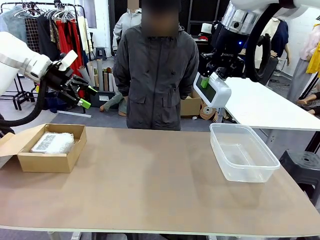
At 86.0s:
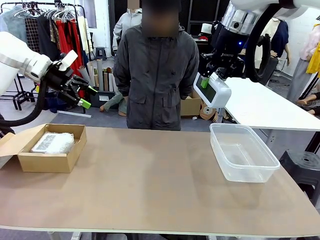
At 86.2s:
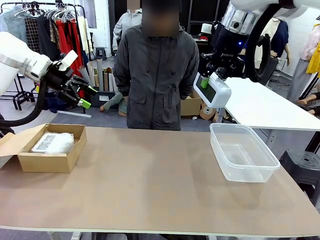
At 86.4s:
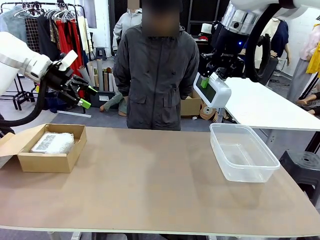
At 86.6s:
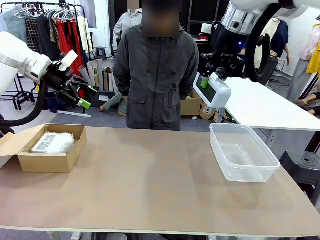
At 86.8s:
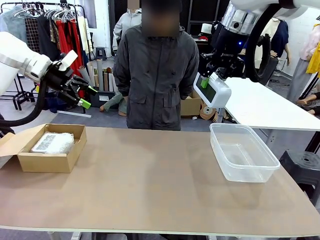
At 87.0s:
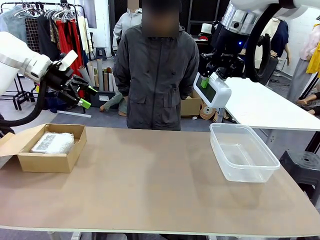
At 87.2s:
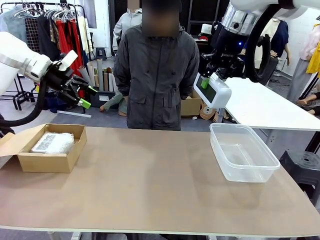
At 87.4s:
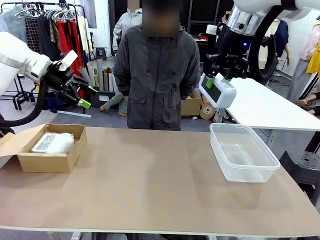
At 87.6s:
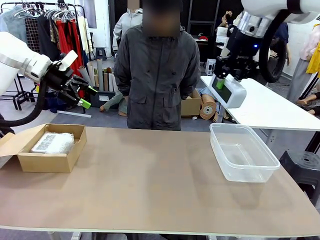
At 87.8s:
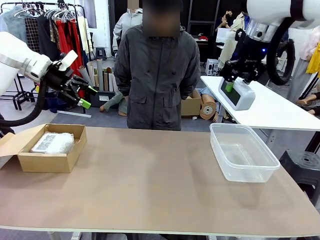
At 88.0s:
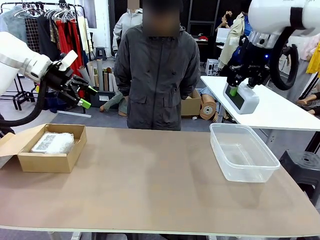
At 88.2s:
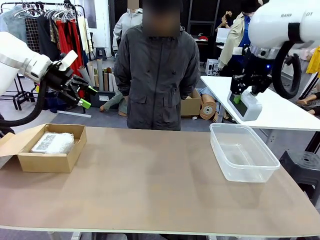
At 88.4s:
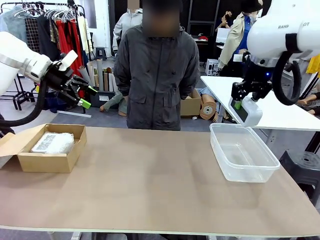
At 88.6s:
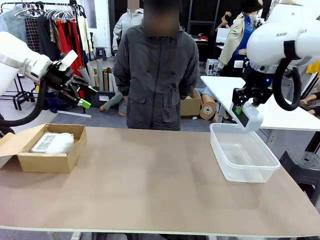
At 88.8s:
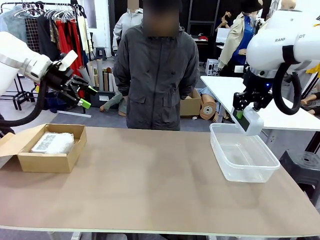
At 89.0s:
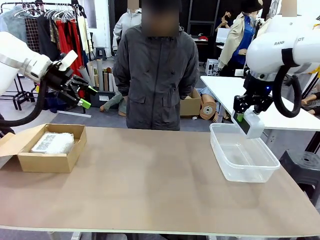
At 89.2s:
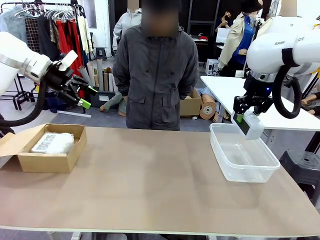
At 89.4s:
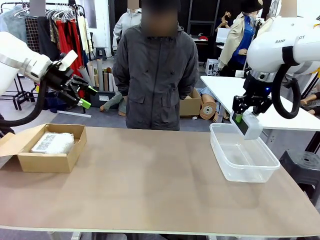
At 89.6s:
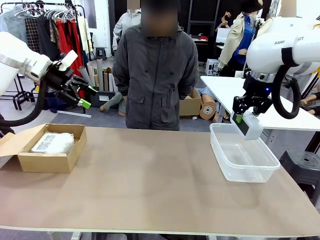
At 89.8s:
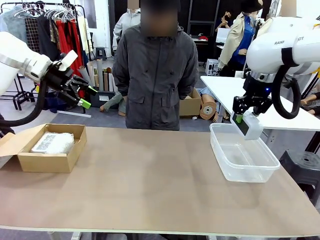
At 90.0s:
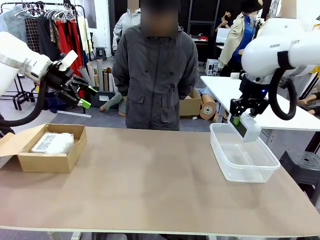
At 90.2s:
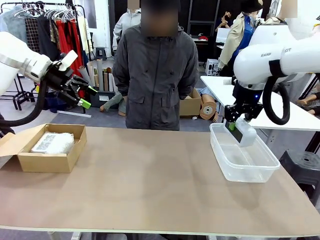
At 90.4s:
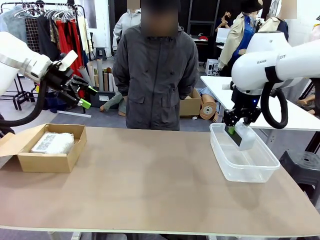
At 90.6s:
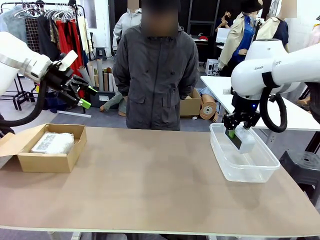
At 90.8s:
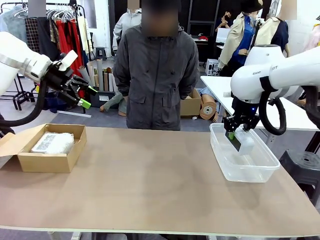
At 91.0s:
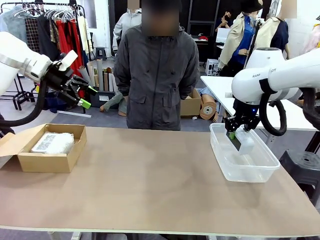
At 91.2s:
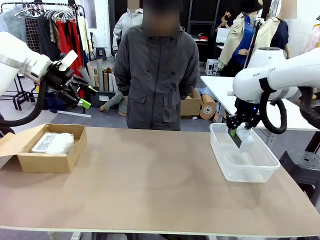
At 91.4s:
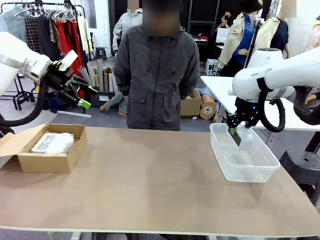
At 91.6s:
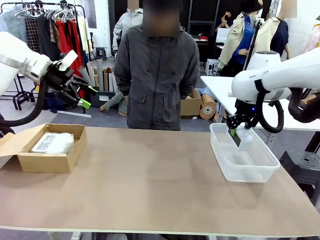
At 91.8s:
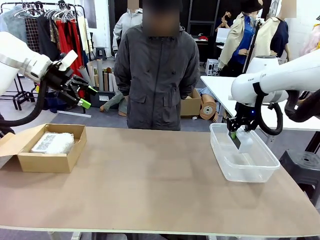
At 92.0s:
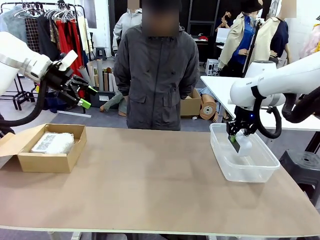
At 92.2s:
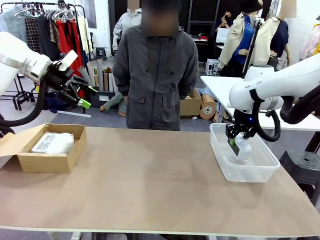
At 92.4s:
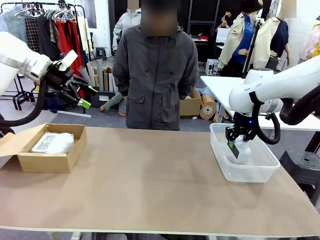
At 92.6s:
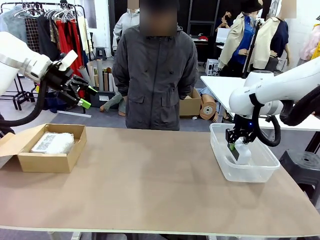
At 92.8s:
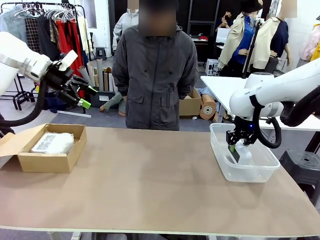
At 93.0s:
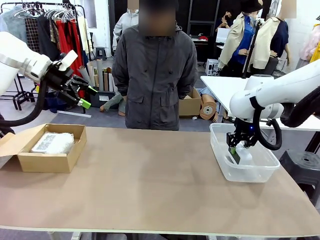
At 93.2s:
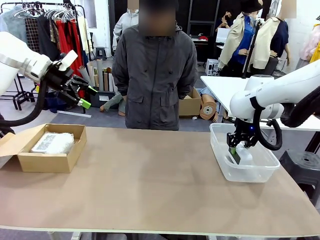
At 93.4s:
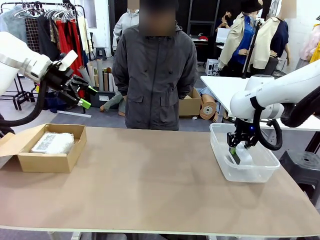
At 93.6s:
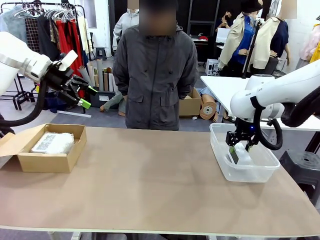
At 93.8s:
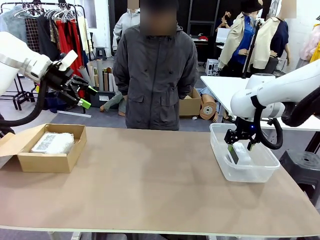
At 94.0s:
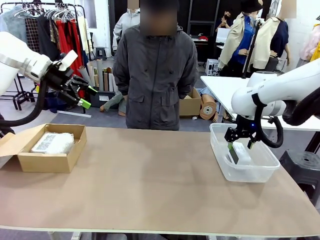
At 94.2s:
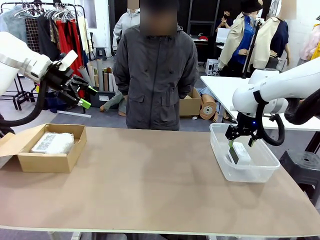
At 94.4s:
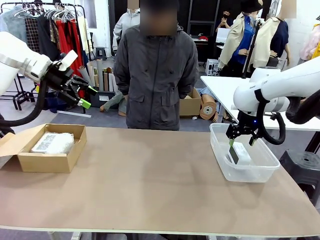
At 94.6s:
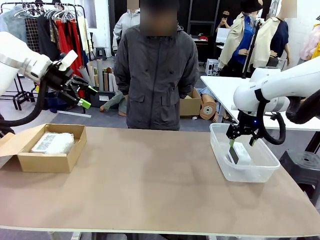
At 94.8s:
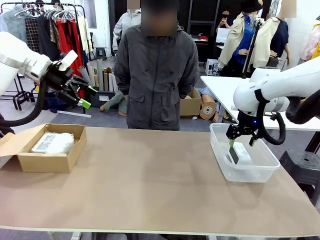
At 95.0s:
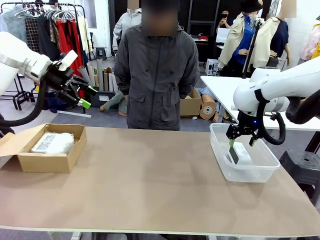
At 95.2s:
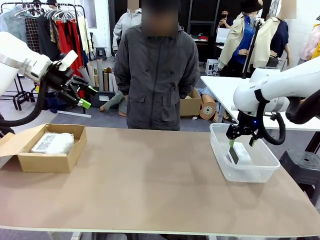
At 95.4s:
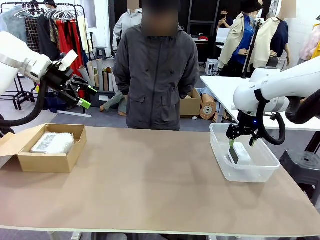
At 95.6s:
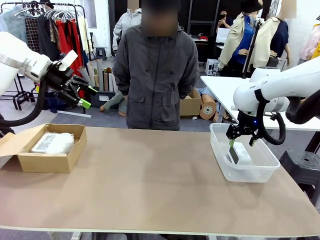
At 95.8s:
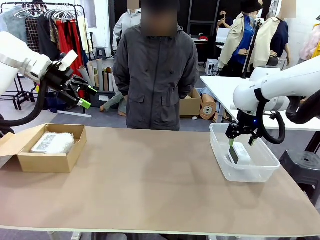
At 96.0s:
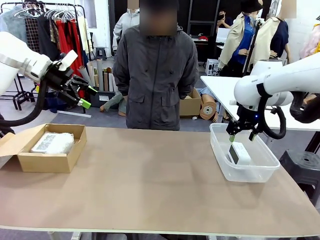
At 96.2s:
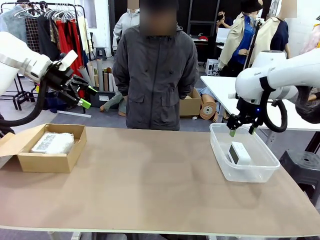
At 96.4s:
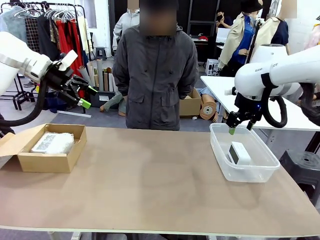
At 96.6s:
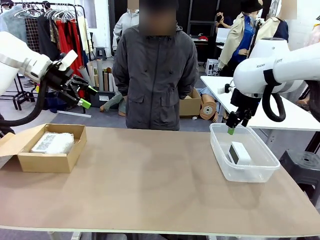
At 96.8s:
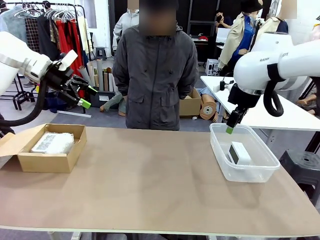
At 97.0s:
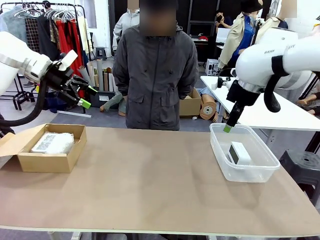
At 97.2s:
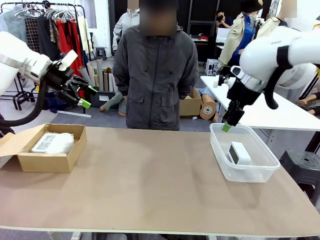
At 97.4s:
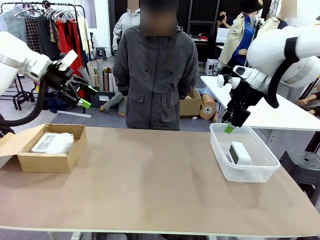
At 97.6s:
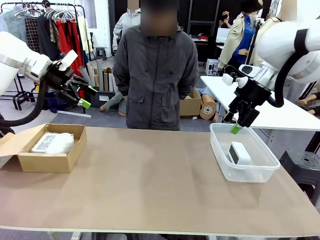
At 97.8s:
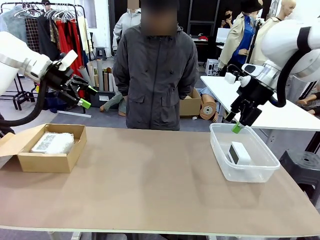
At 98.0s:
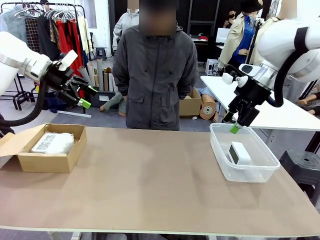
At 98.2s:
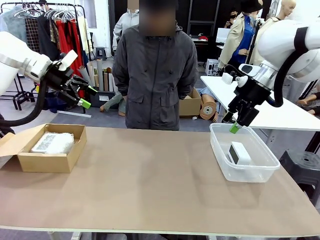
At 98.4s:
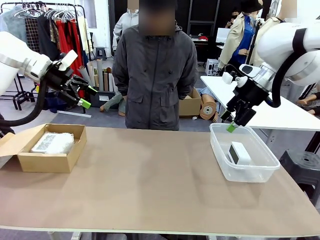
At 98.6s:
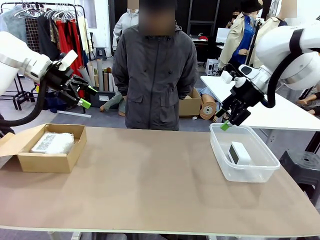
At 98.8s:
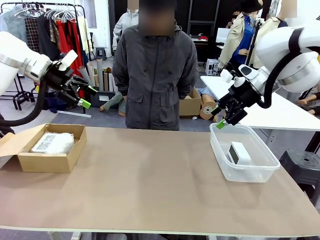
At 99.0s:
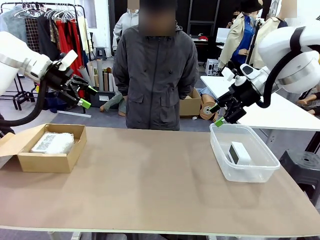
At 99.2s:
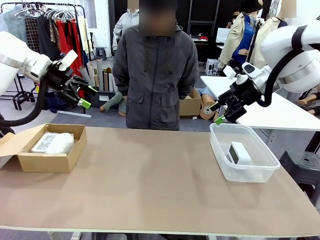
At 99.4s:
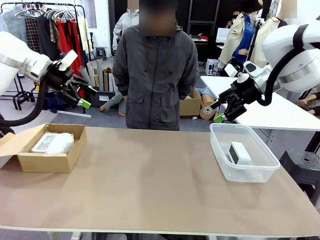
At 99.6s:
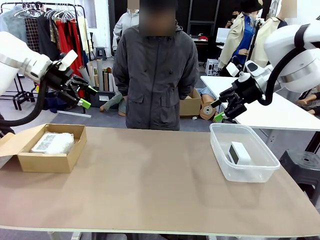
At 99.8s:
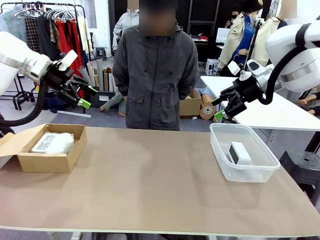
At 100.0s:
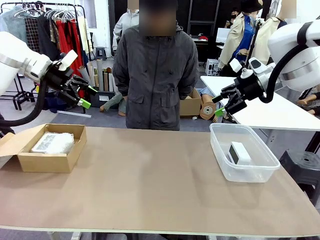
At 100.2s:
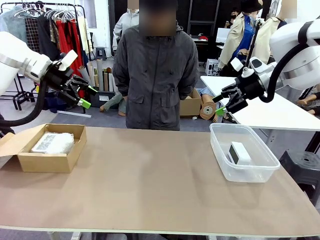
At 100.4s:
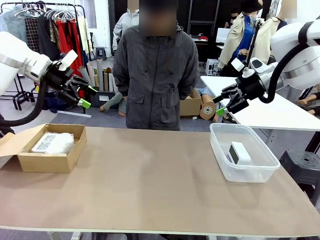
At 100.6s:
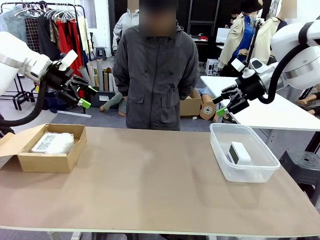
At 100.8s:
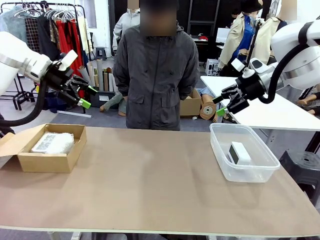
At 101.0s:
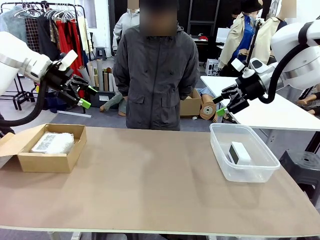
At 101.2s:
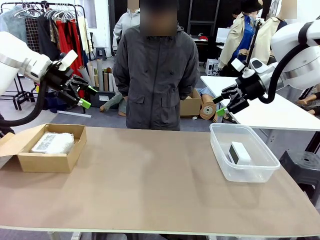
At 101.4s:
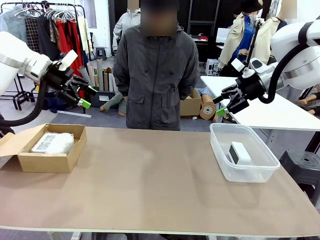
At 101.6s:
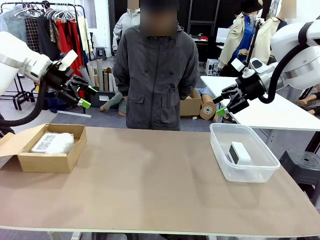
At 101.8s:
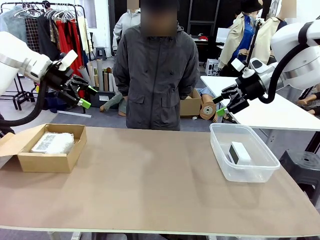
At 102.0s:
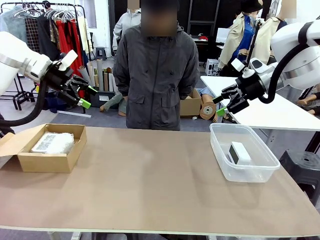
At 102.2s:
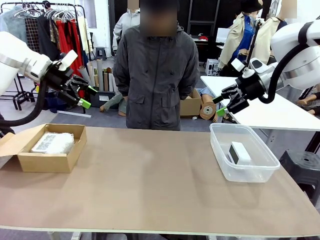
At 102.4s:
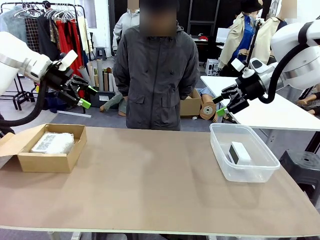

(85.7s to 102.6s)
Task: Separate and place wrapped and unwrapped clocks.
Robot: If the picked Digital clock is wrapped, place it in the Package Box ; if not, place it in the Organizing box.
